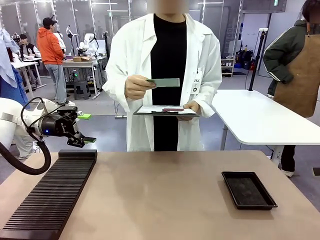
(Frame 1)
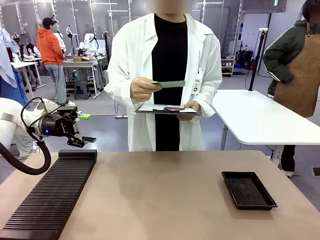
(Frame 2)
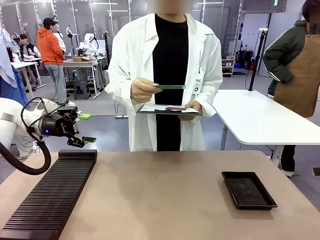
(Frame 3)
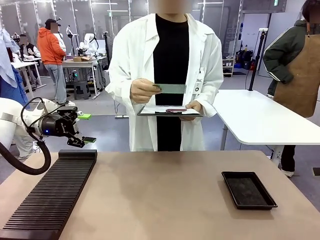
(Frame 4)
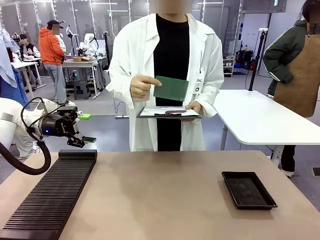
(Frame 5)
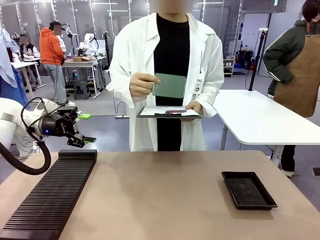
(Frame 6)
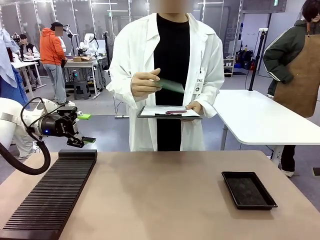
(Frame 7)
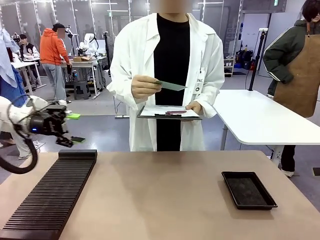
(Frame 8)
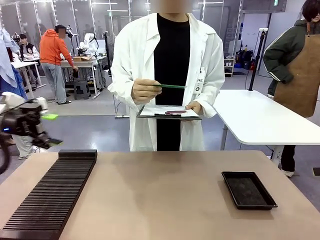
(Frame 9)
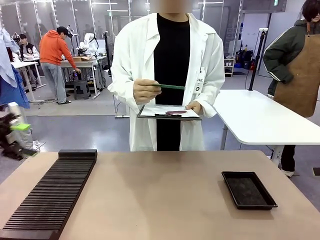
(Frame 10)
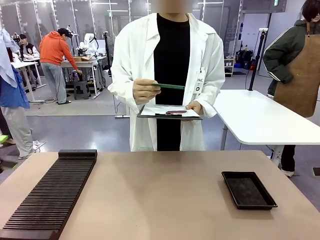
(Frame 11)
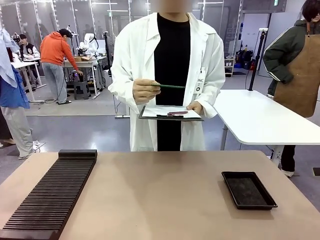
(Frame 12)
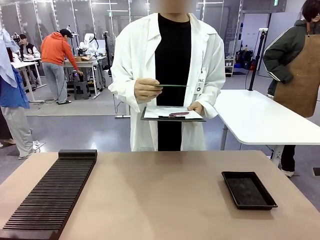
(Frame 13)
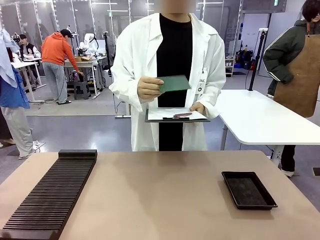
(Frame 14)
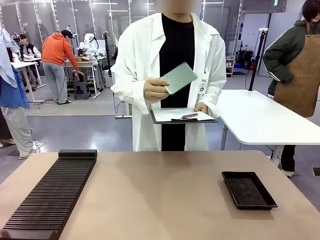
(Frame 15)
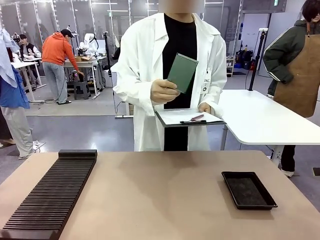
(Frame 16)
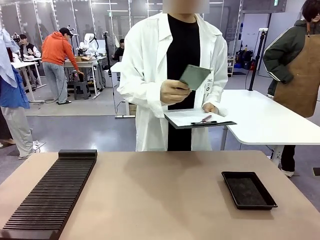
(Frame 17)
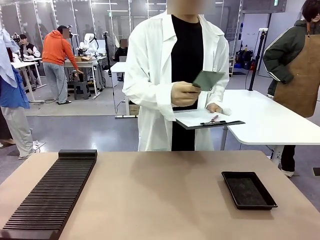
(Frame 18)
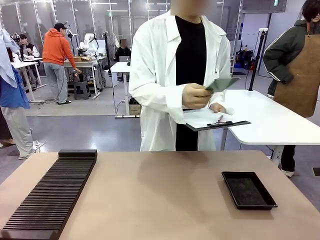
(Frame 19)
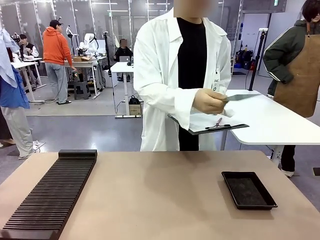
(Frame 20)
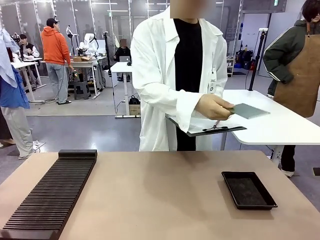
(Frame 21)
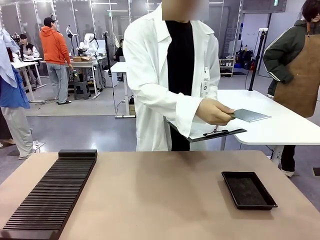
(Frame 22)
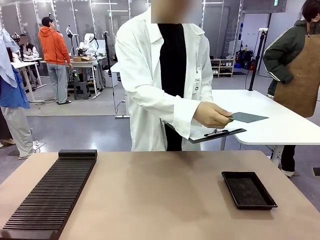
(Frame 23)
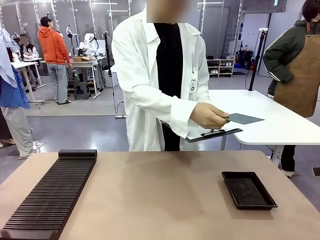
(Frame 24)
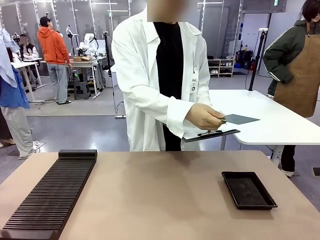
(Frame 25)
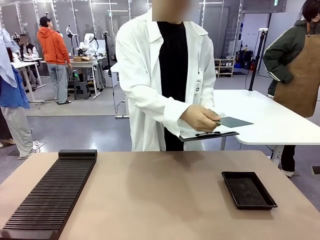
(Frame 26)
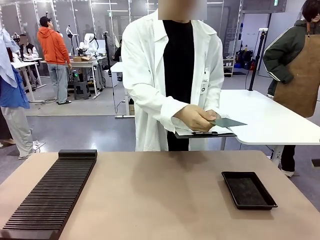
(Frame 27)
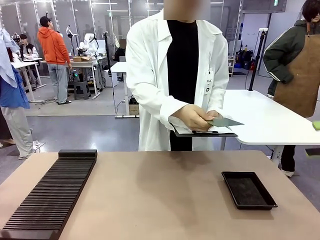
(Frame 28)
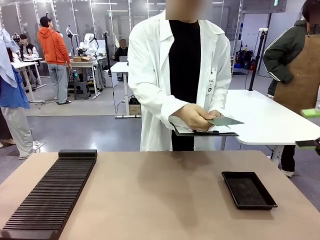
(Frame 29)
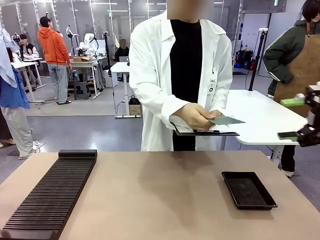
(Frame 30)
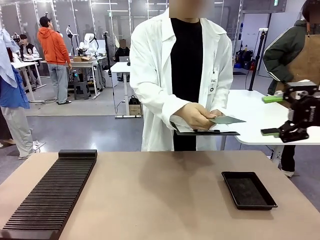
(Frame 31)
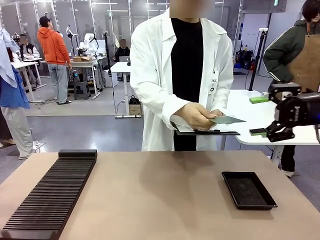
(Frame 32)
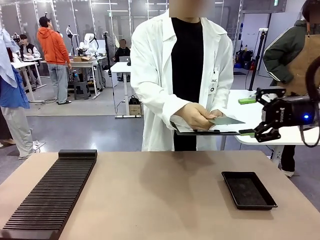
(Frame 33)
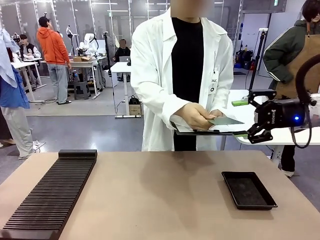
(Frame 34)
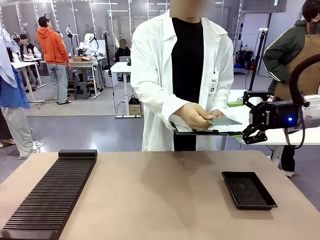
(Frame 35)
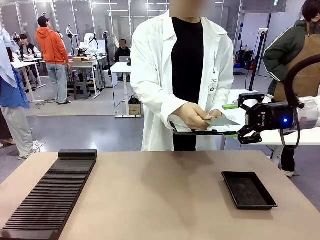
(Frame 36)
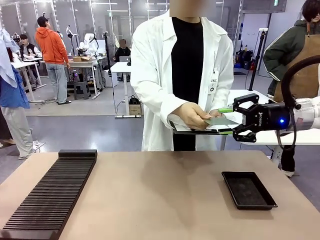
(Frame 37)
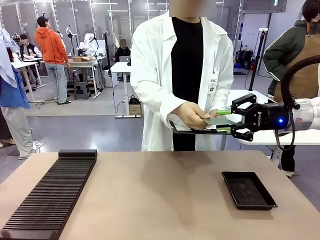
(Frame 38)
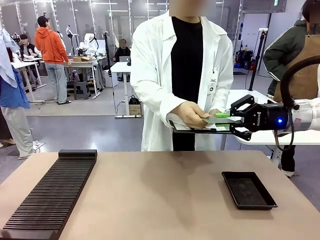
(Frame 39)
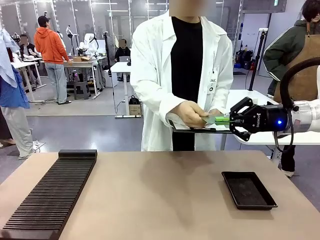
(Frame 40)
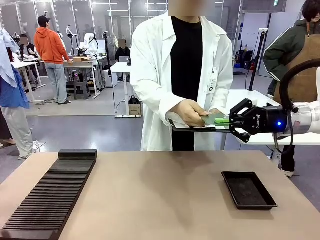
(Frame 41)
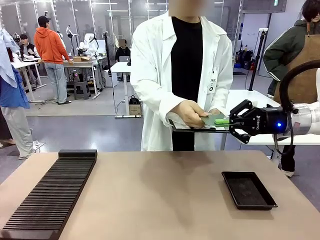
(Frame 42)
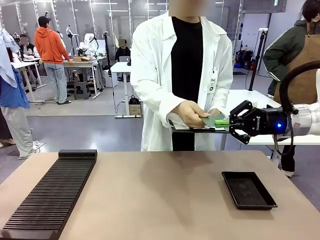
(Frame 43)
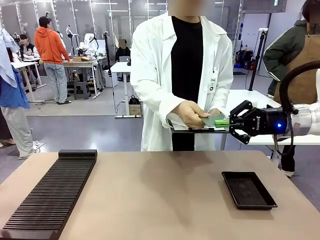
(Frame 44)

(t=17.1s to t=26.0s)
Task: Inspect the PCB.
Robot: Pick up the Blank PCB that the human is holding.
Person: Inspect the PCB placed by the robot, then hold it out in front of the robot. Release the PCB you were holding.

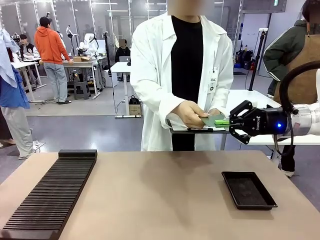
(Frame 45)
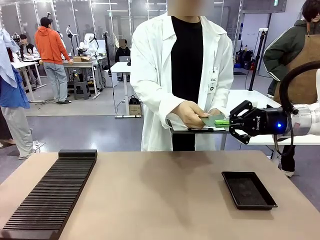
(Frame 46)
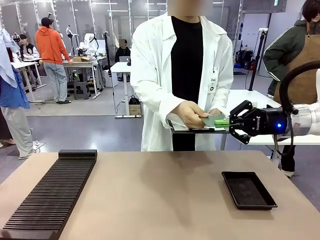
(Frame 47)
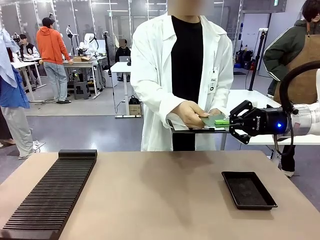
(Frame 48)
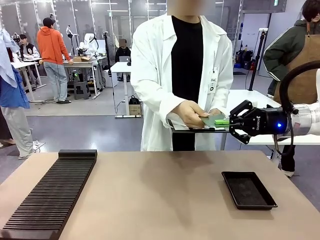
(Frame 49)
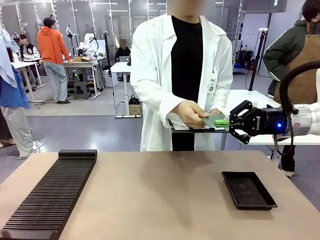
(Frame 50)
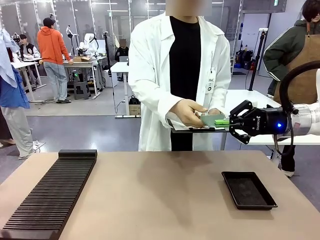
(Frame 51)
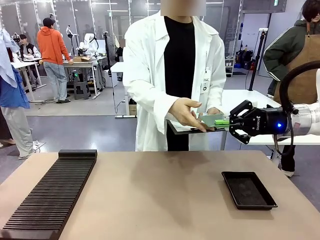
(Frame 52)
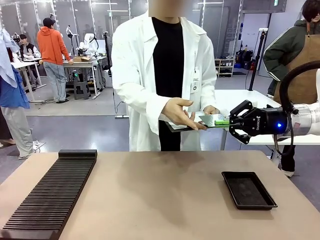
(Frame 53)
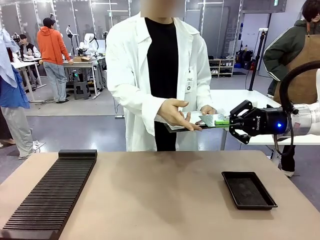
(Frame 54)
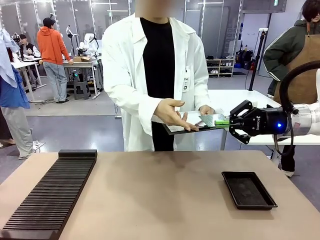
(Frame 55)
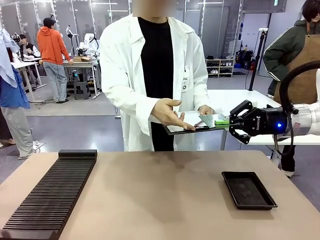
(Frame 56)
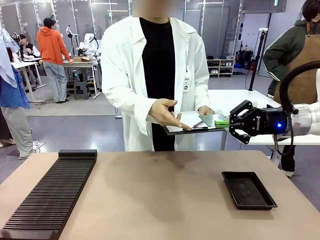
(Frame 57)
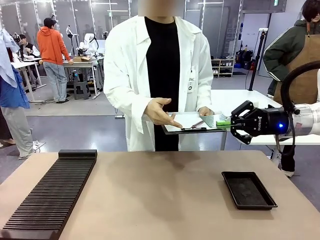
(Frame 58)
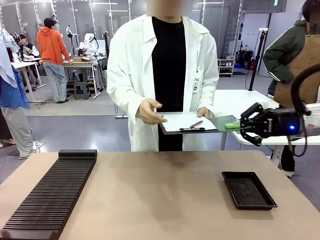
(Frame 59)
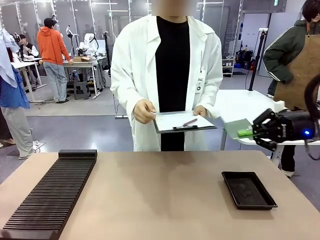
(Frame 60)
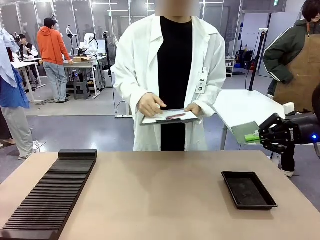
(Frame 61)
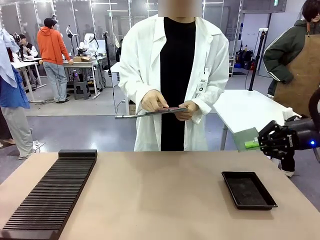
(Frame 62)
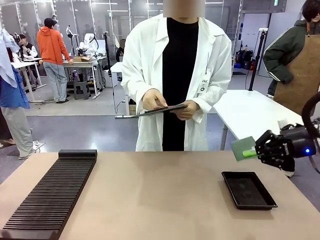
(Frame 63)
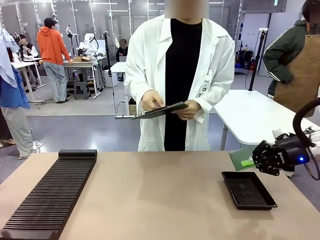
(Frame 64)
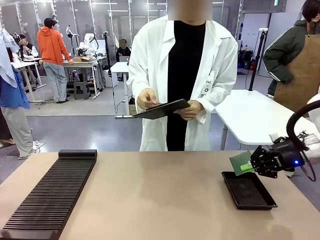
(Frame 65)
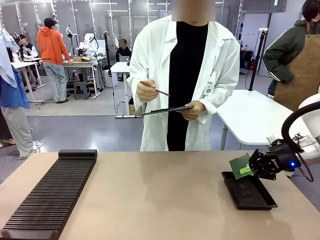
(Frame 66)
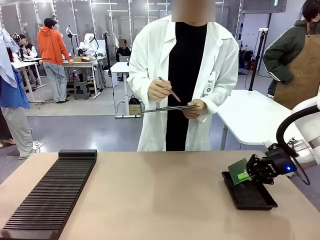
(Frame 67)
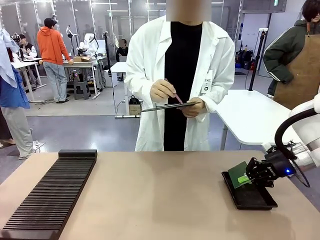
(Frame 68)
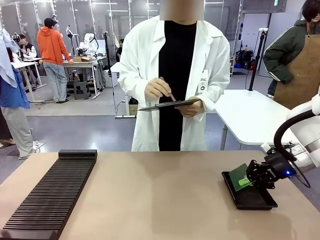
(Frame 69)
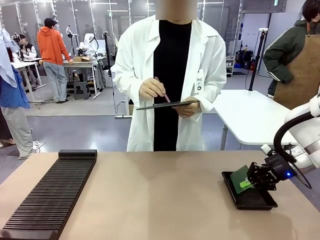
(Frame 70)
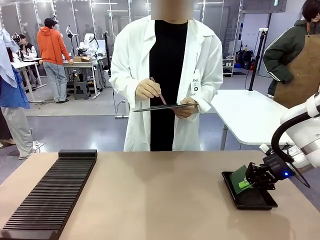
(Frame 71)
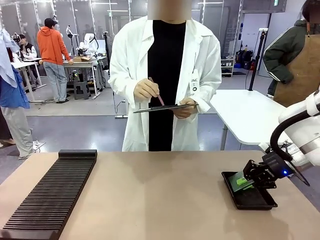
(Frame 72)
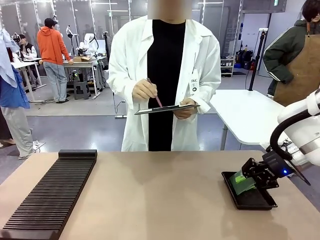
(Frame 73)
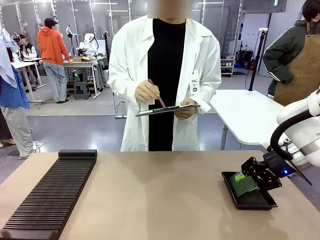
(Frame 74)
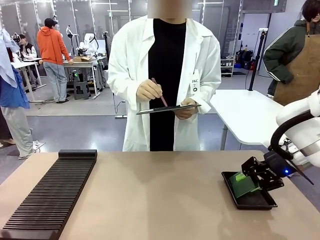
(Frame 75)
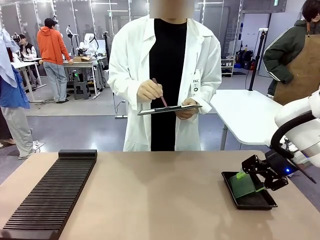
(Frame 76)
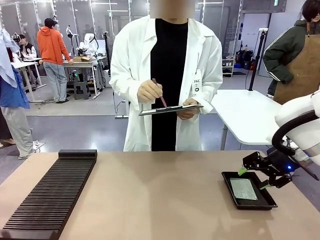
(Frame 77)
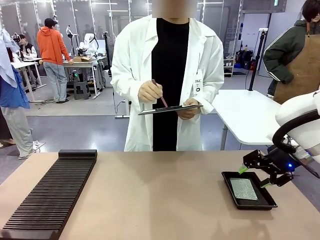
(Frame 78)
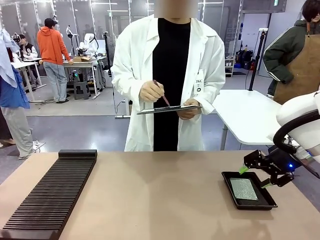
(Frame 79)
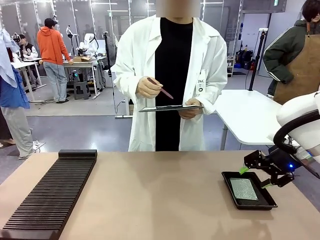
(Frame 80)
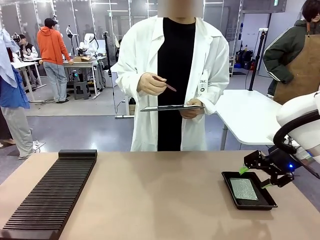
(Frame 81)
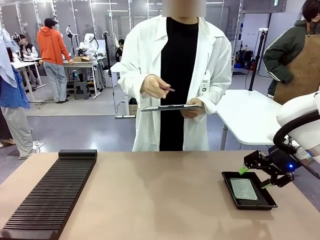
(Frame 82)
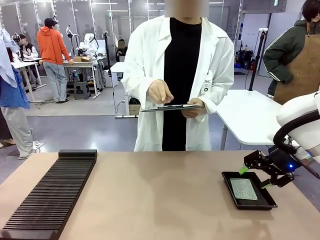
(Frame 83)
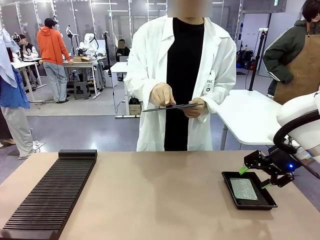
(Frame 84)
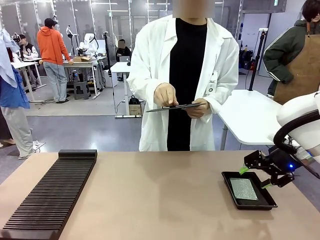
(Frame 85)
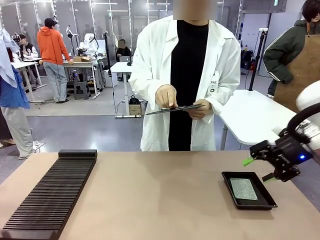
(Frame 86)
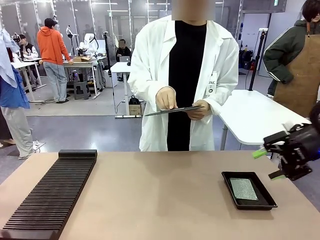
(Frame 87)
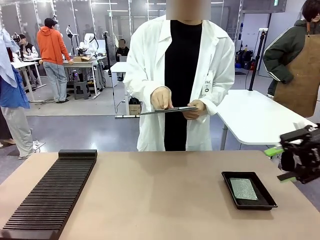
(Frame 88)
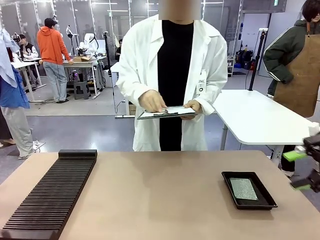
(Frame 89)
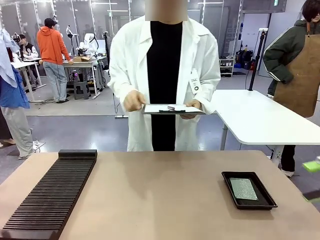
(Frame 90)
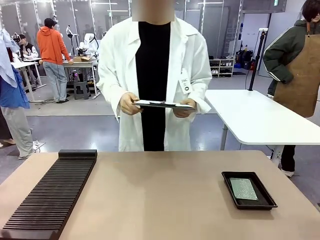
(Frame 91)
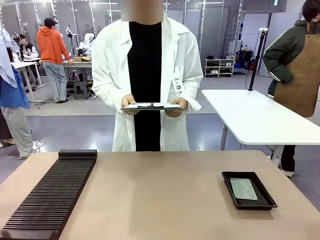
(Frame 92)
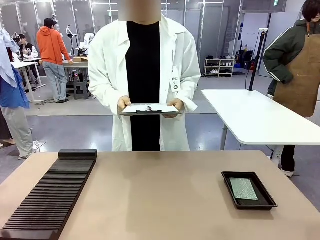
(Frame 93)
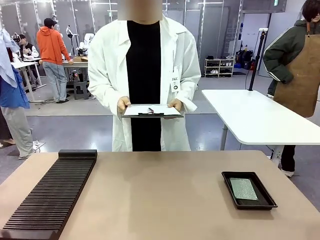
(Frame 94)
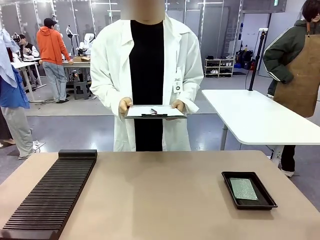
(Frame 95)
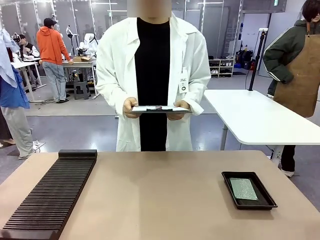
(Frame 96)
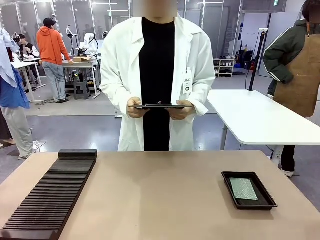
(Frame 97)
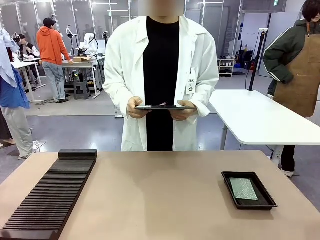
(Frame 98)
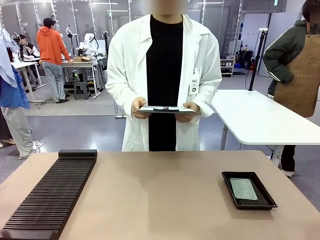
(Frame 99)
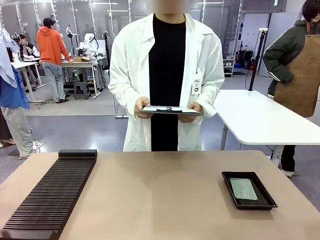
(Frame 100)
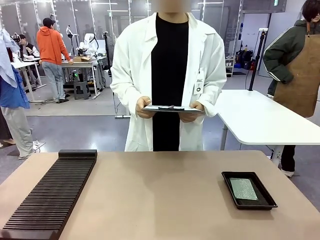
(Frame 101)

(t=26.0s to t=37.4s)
Robot: Place the Blank PCB in the ESD tray.
Person: Record the PCB status on the paper.
